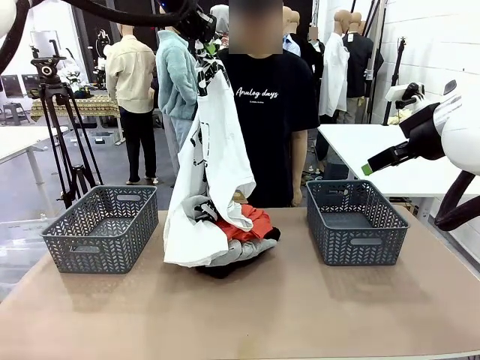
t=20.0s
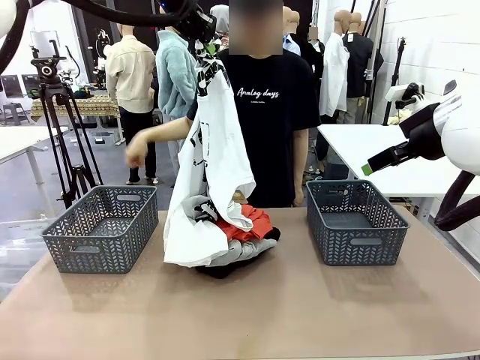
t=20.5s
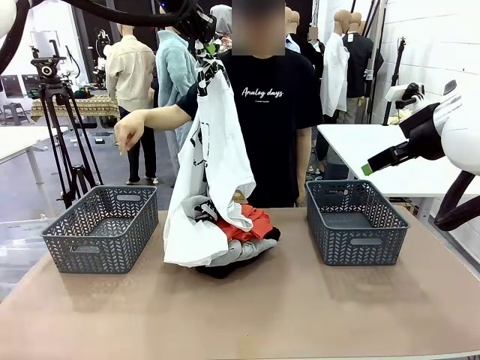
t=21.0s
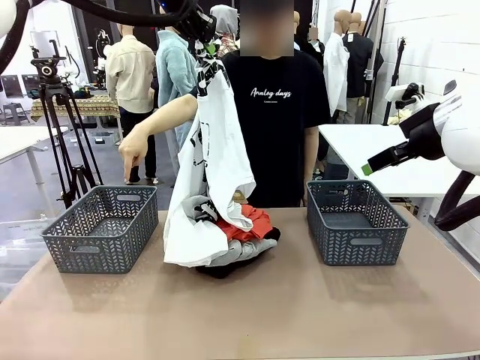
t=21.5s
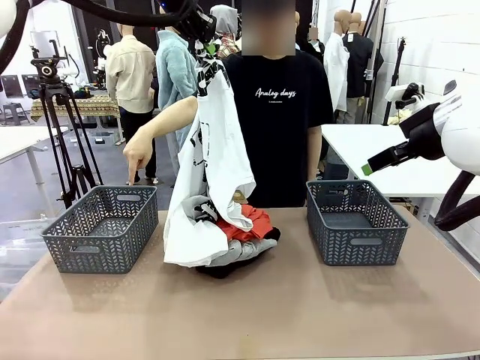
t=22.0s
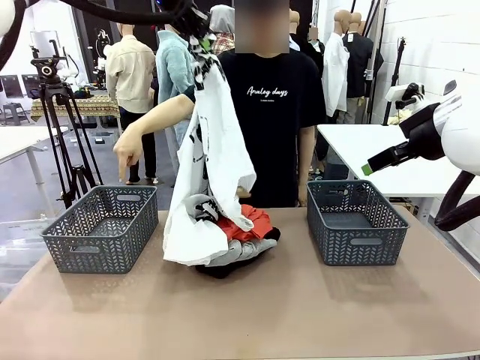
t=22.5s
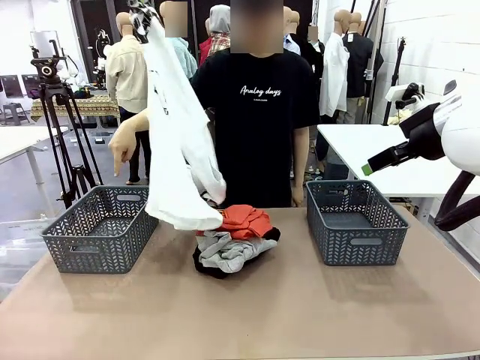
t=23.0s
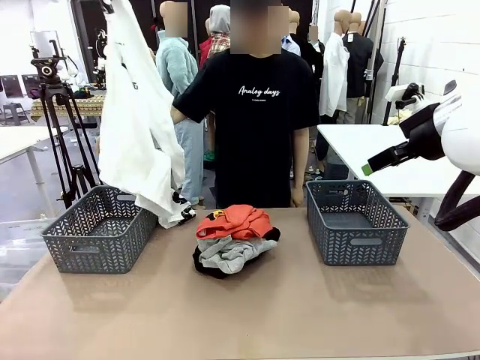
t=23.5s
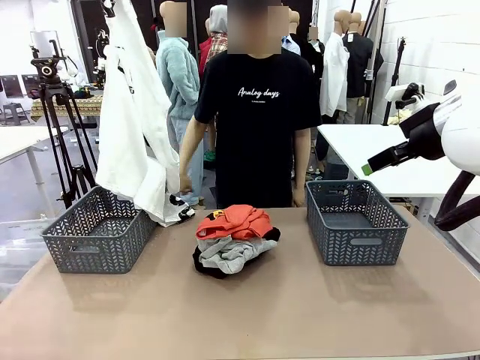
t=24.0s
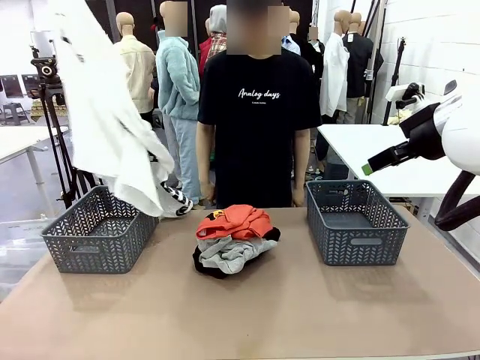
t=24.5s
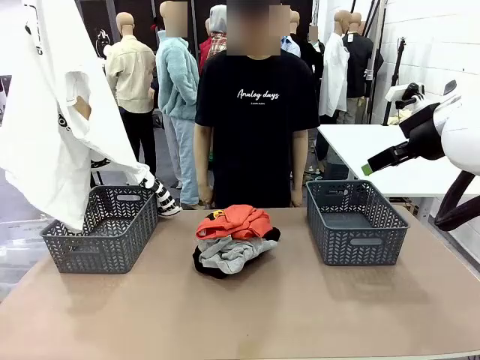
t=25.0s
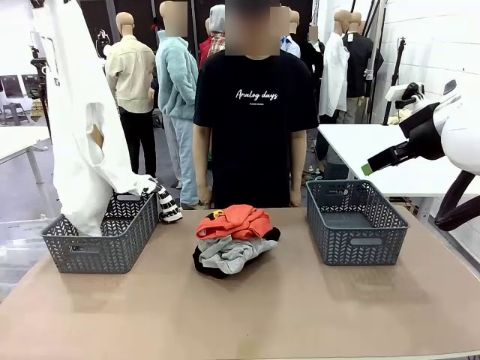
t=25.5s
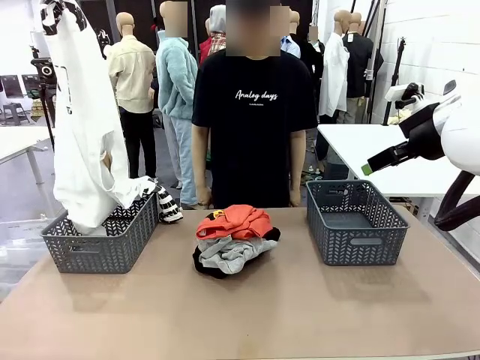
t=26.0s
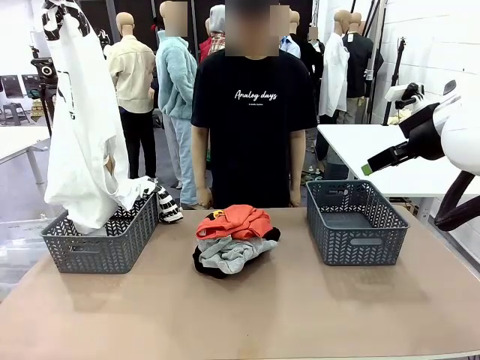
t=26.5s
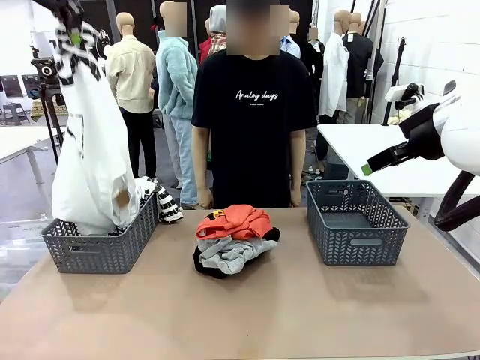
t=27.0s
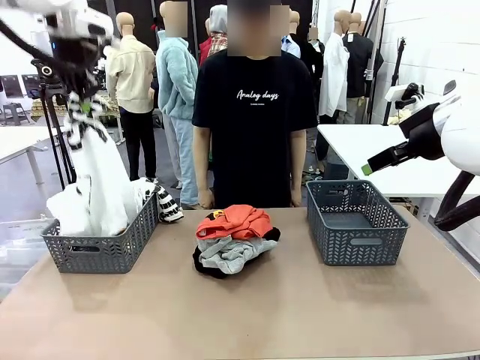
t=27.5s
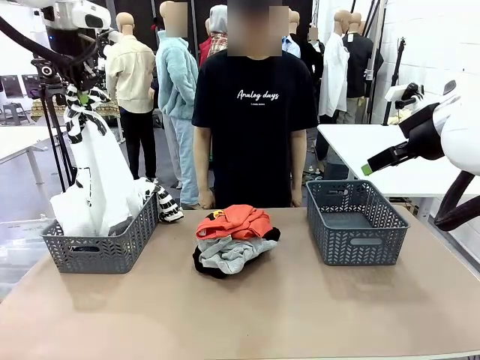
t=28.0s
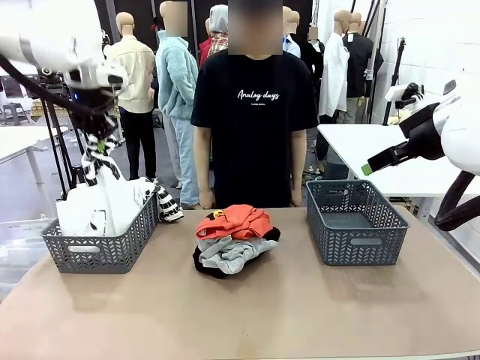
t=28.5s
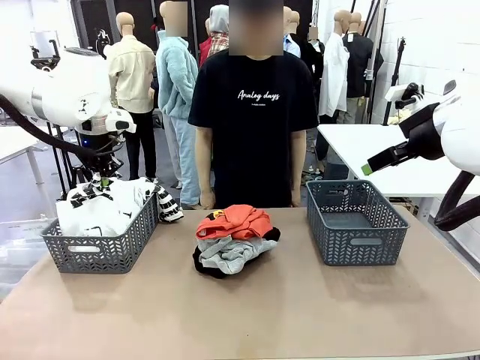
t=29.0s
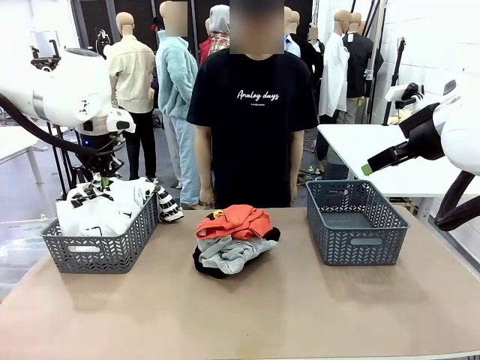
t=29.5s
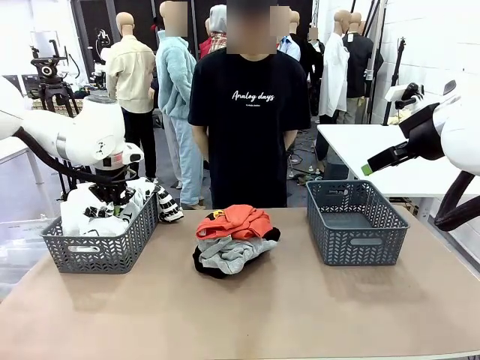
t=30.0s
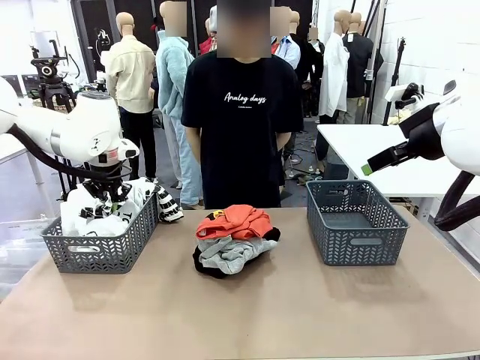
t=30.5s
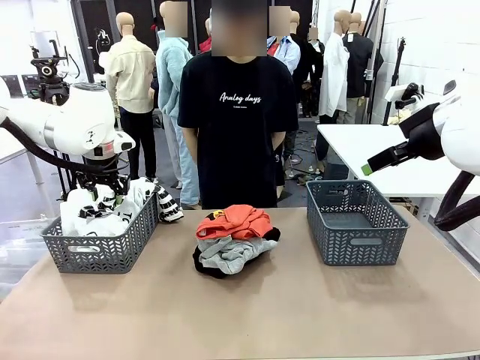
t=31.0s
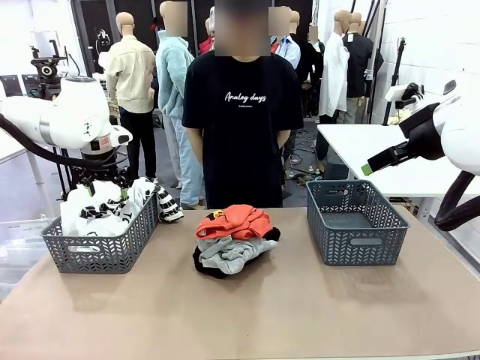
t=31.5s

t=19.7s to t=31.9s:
Task: Sort the tops and bottoms.
Robot: Sort the clothes according to human instructions.

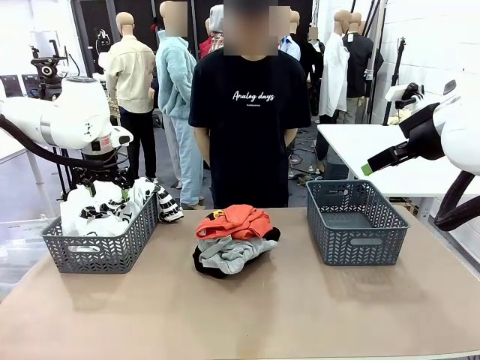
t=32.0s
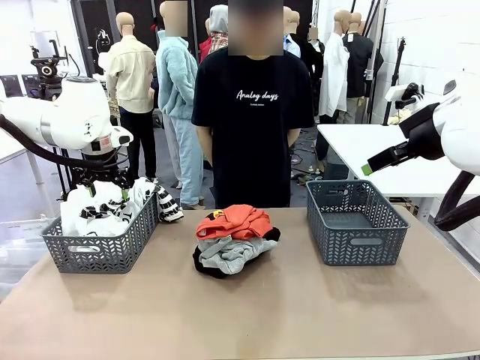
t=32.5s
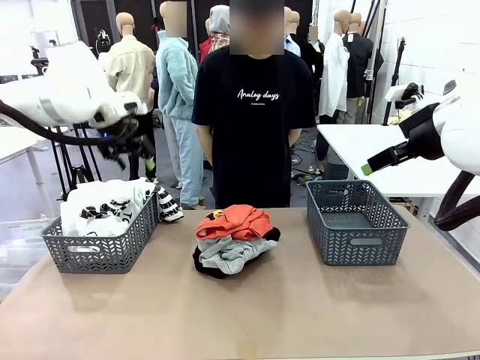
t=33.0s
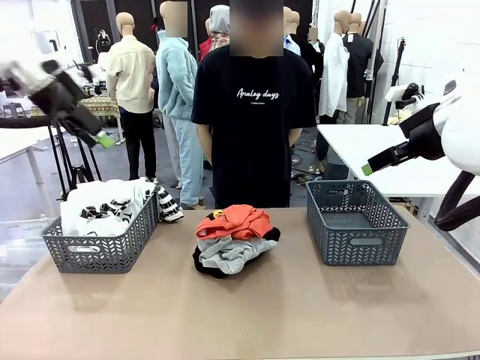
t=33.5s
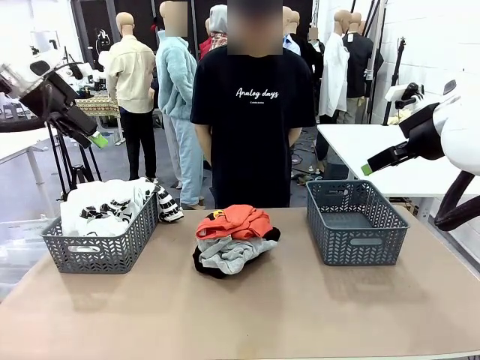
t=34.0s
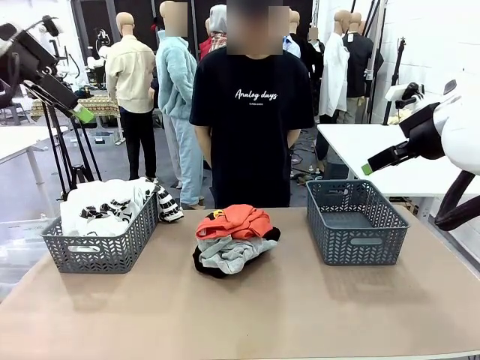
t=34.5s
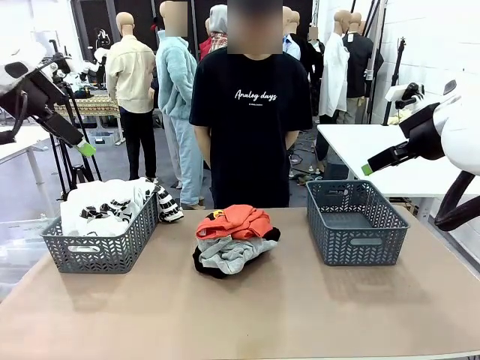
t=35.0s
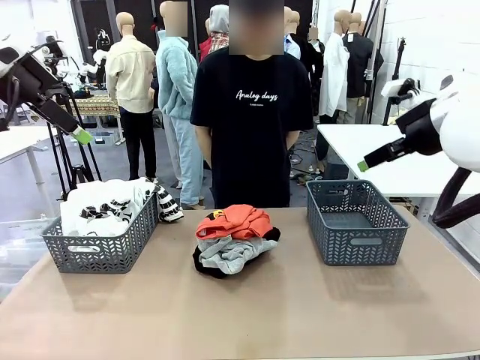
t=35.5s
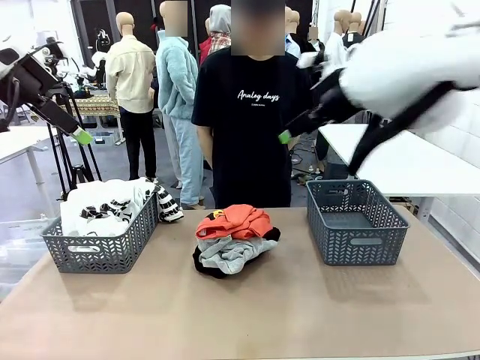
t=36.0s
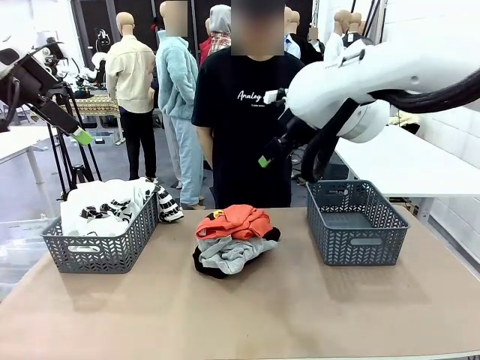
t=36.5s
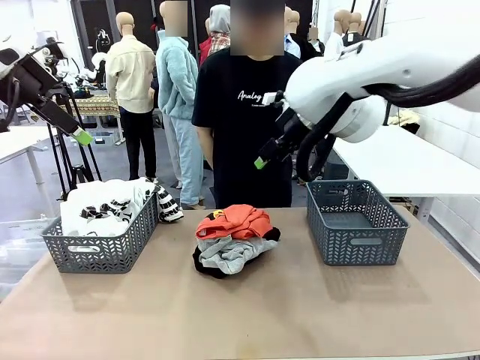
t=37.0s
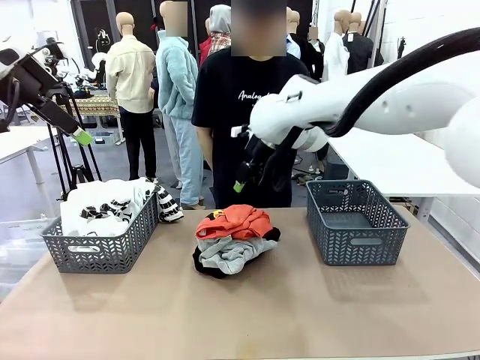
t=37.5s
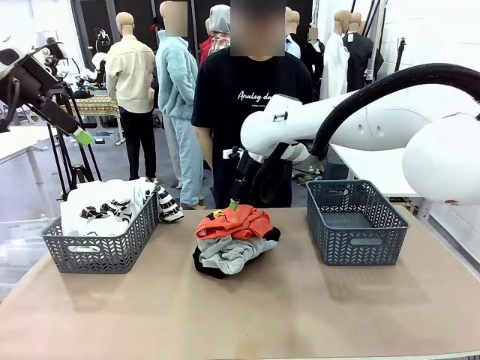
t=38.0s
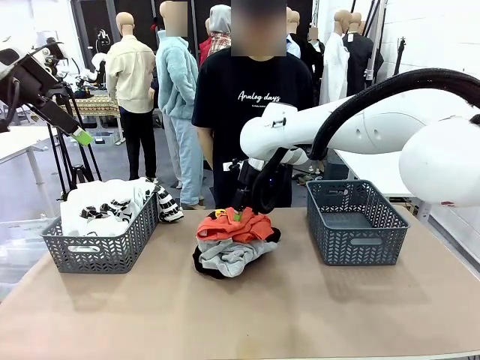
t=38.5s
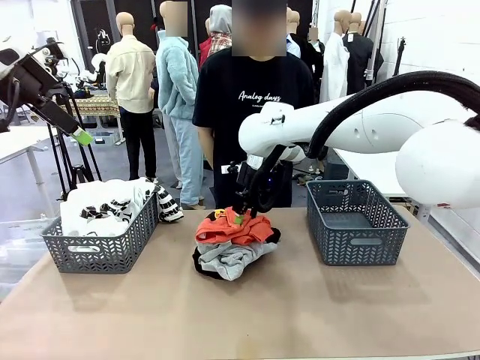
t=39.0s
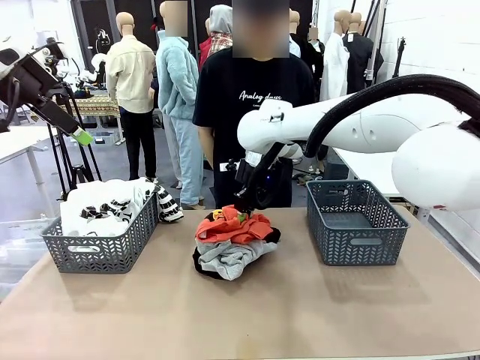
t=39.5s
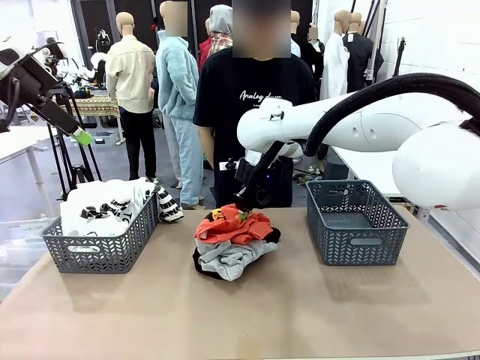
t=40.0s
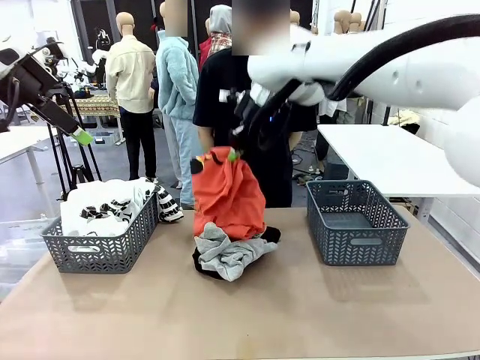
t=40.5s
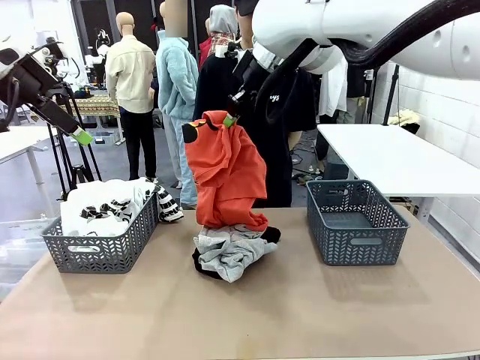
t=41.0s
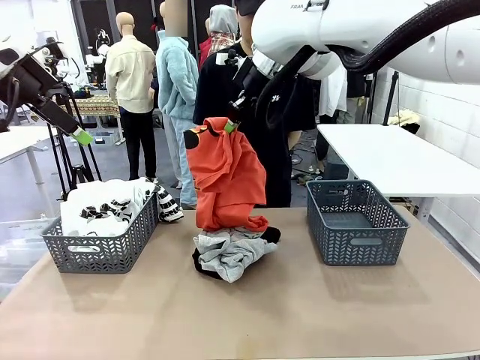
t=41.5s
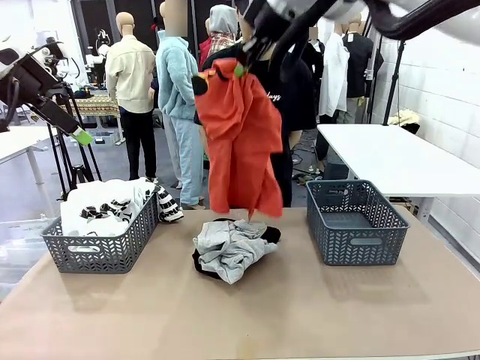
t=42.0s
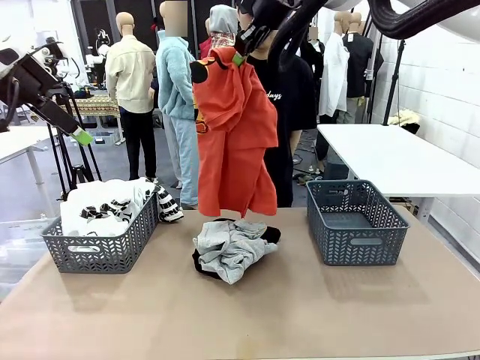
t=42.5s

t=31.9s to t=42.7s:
Robot: Lift clothes from the center of the table with your right hand.

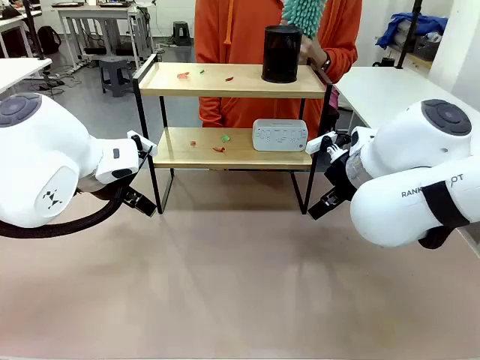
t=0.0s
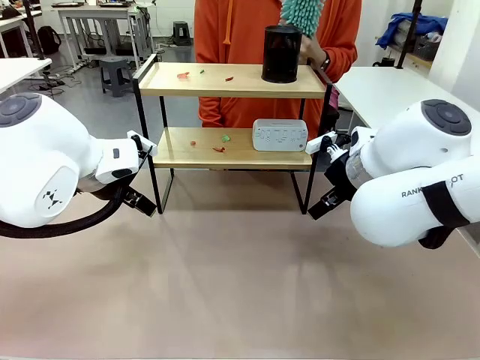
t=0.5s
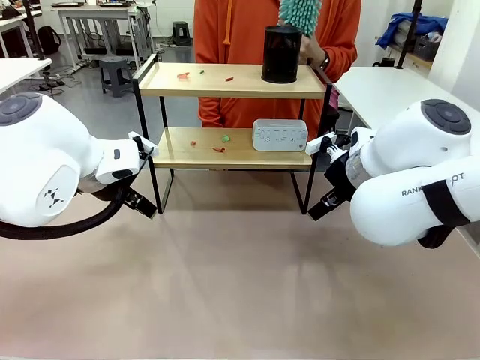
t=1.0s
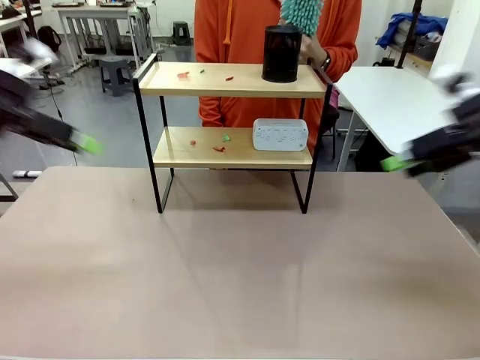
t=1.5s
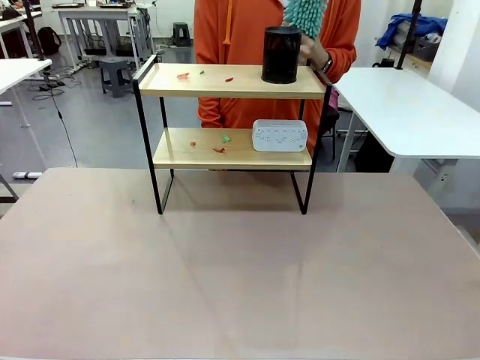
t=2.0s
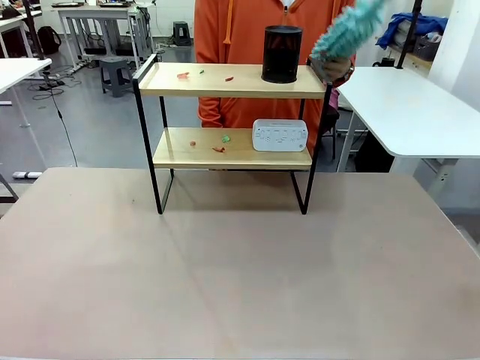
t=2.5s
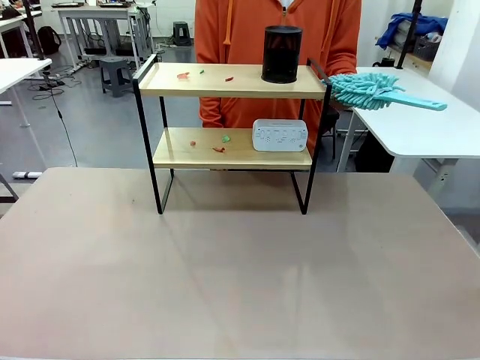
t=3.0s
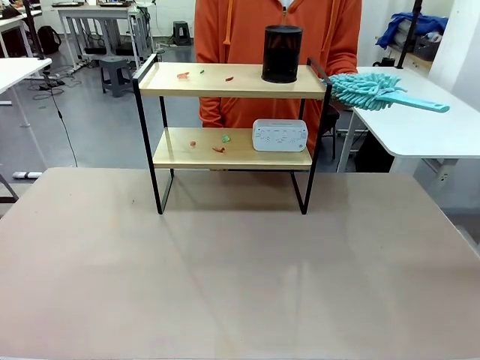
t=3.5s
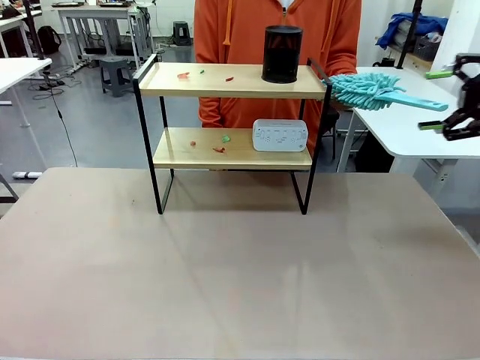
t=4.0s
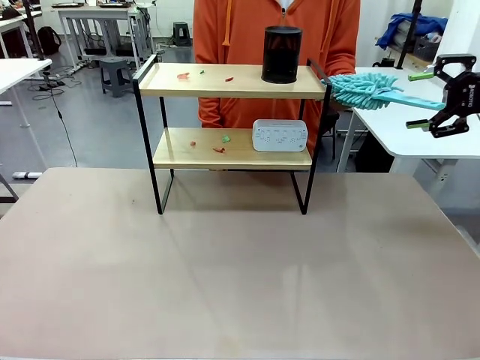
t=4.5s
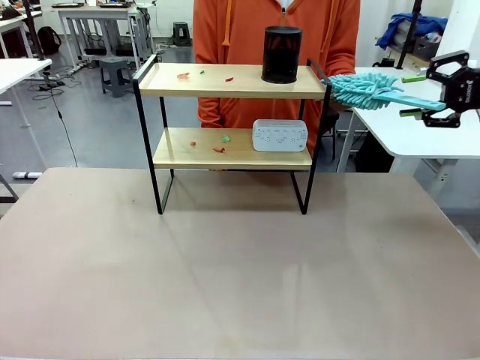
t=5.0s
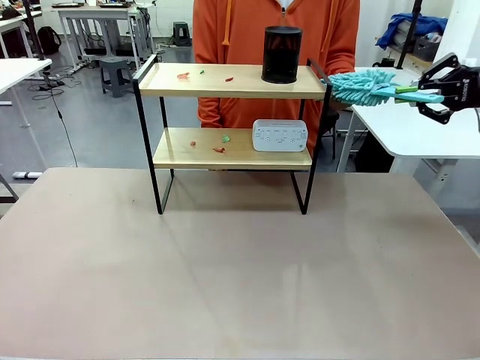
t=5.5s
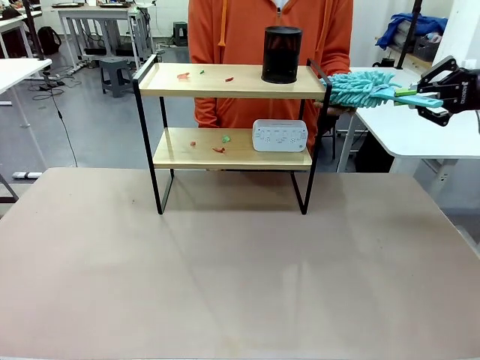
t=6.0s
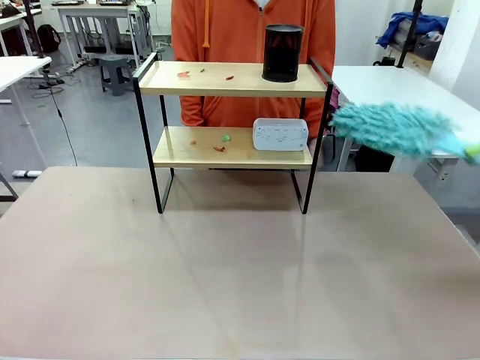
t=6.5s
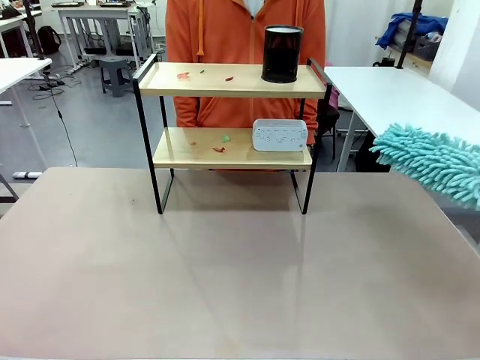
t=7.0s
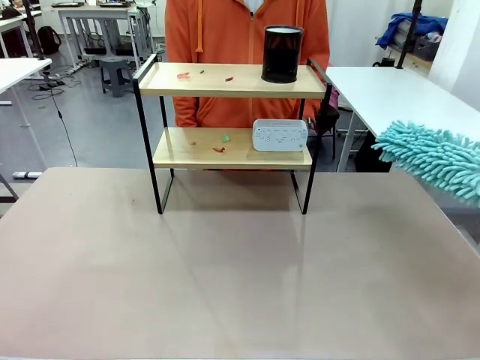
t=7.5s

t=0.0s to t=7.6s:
Task: Clean the shelf.
Robot: Pick up the Duster from the human.
Person: Hand the Duster to the robot.
